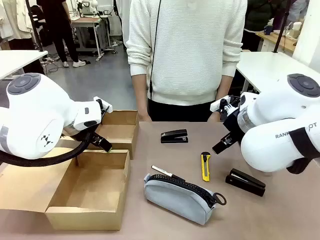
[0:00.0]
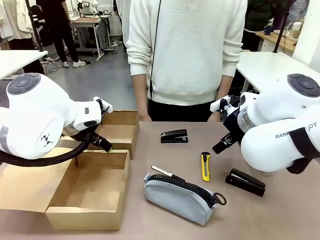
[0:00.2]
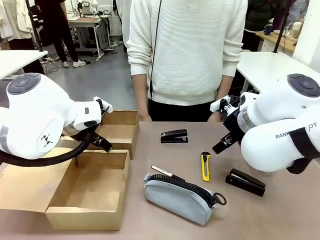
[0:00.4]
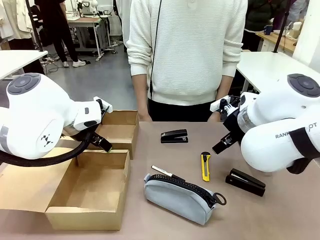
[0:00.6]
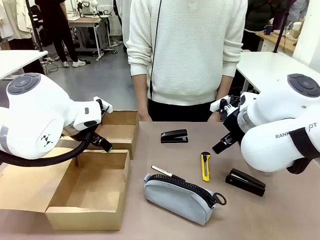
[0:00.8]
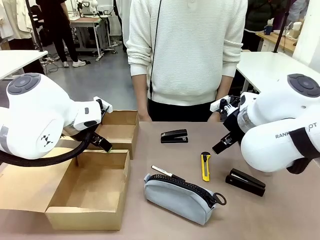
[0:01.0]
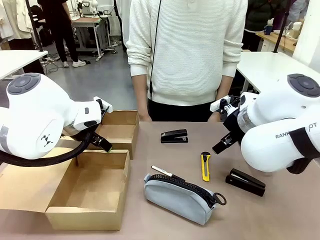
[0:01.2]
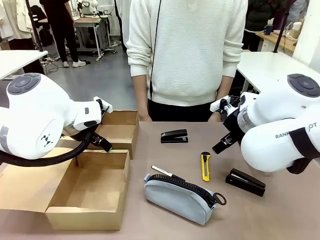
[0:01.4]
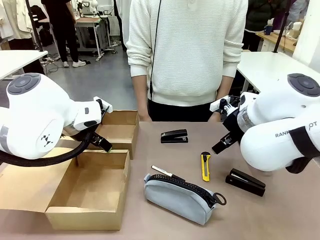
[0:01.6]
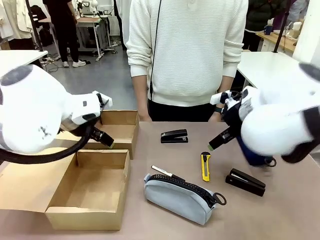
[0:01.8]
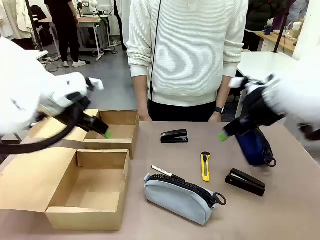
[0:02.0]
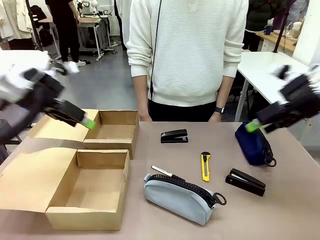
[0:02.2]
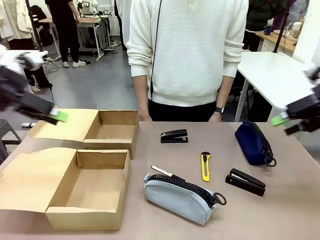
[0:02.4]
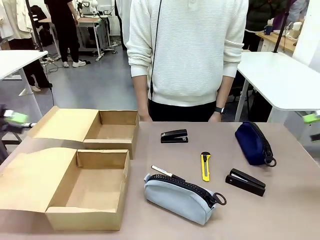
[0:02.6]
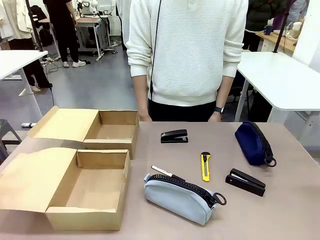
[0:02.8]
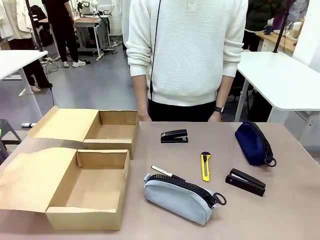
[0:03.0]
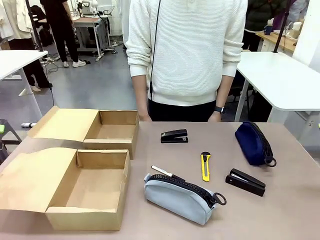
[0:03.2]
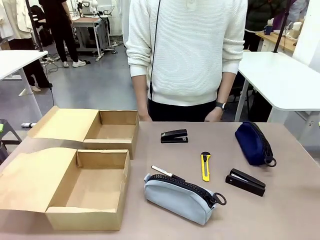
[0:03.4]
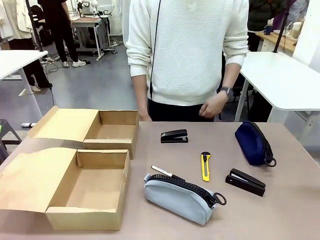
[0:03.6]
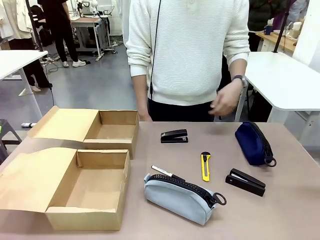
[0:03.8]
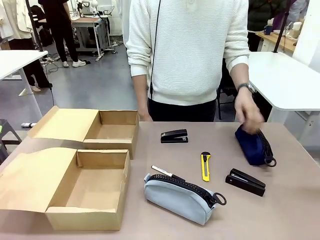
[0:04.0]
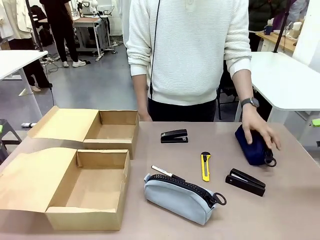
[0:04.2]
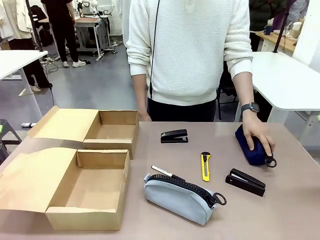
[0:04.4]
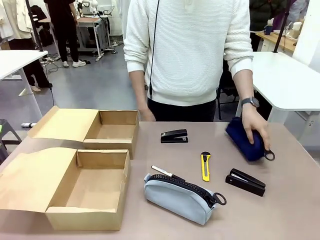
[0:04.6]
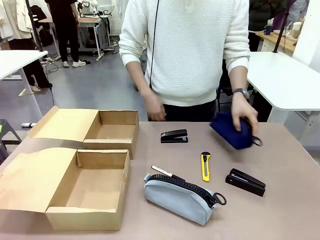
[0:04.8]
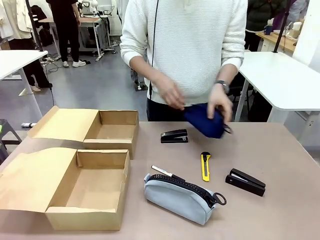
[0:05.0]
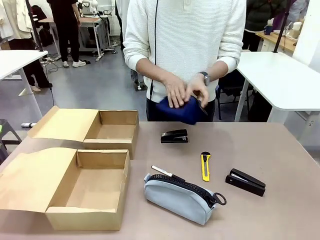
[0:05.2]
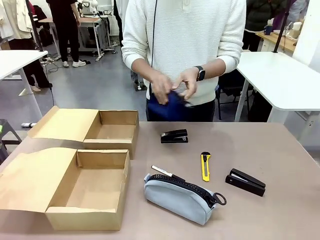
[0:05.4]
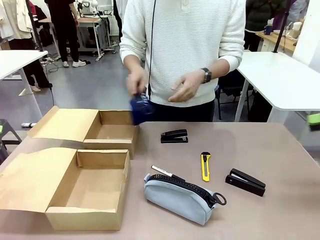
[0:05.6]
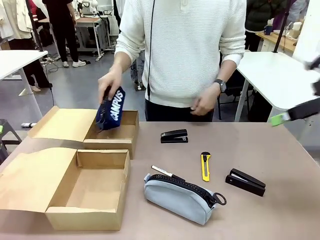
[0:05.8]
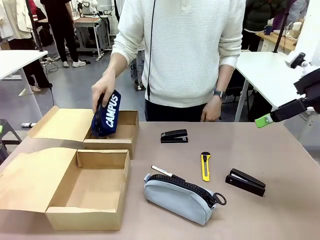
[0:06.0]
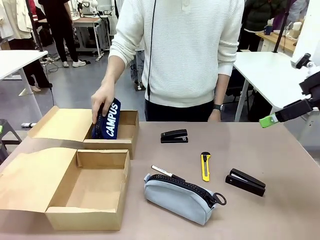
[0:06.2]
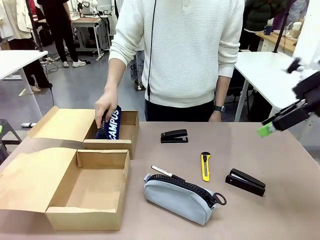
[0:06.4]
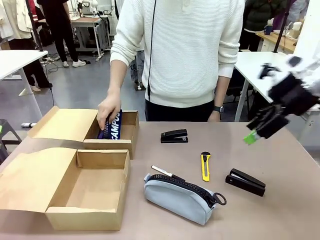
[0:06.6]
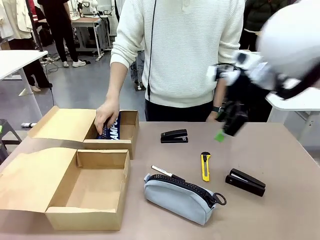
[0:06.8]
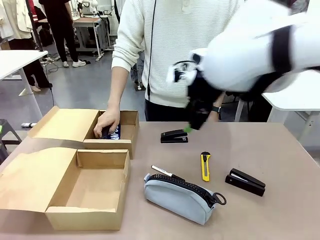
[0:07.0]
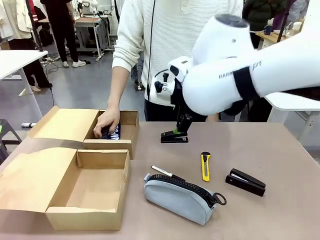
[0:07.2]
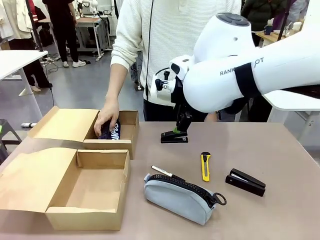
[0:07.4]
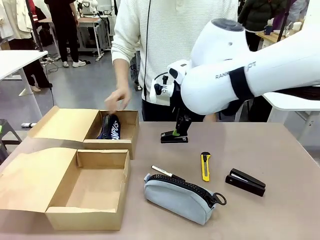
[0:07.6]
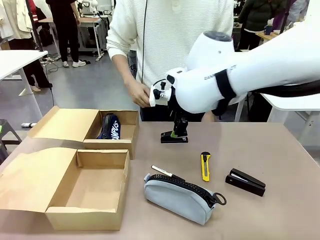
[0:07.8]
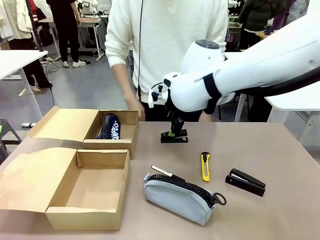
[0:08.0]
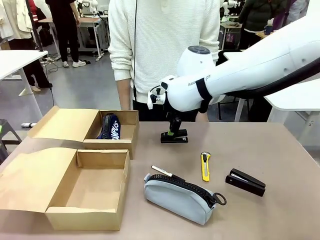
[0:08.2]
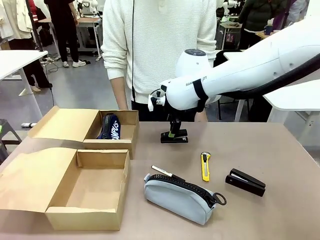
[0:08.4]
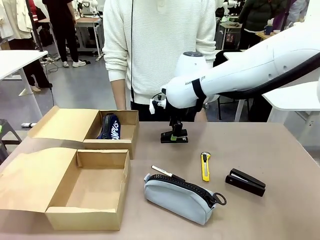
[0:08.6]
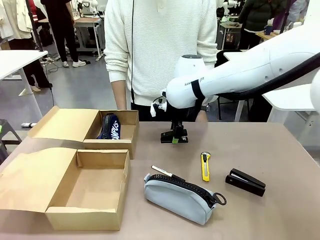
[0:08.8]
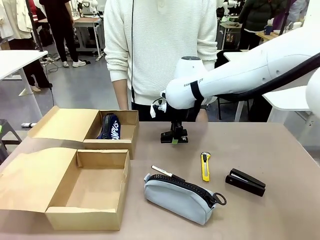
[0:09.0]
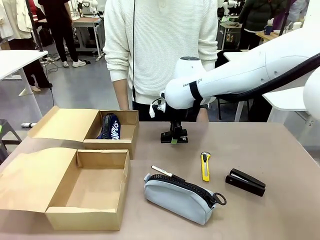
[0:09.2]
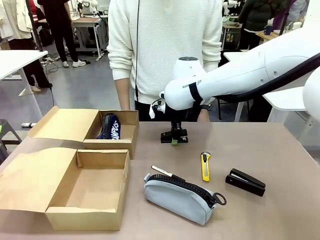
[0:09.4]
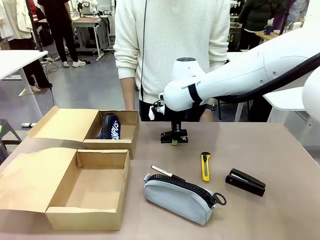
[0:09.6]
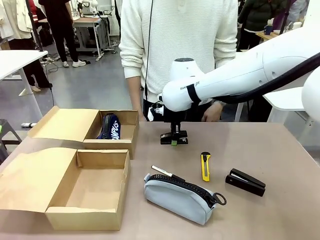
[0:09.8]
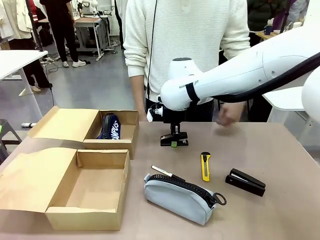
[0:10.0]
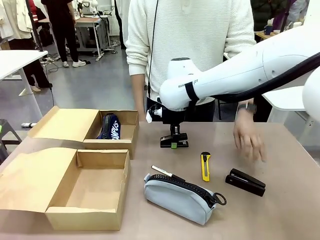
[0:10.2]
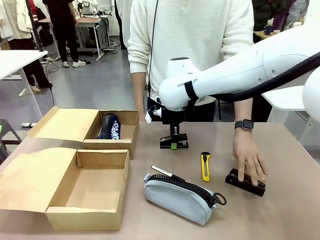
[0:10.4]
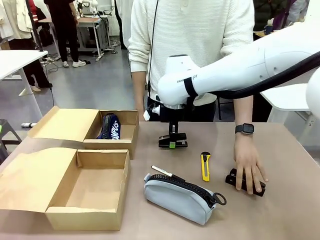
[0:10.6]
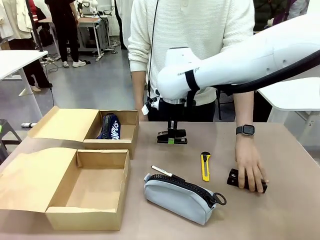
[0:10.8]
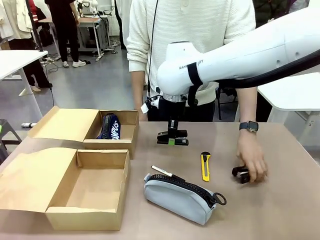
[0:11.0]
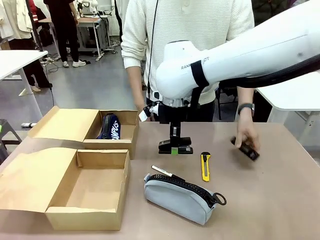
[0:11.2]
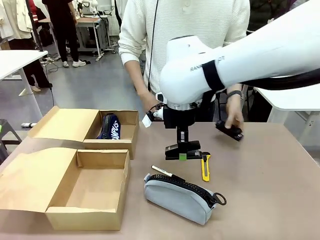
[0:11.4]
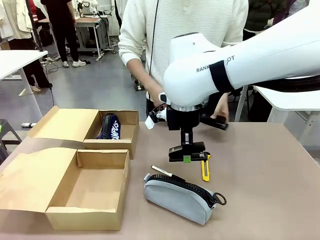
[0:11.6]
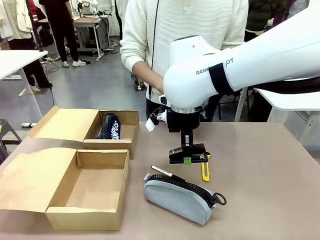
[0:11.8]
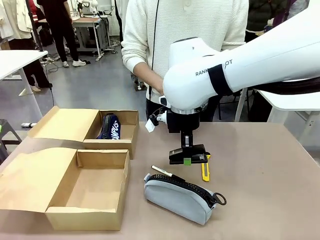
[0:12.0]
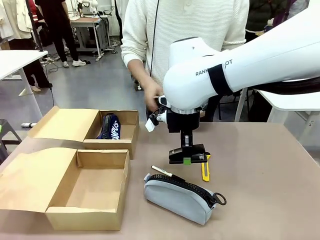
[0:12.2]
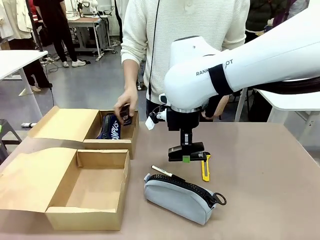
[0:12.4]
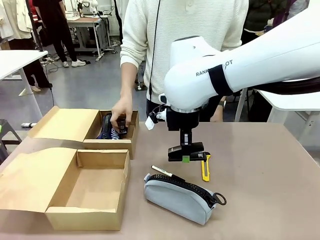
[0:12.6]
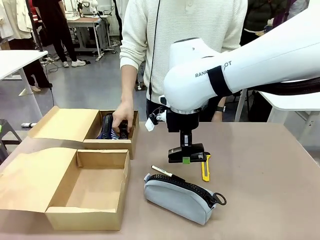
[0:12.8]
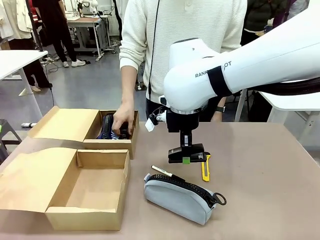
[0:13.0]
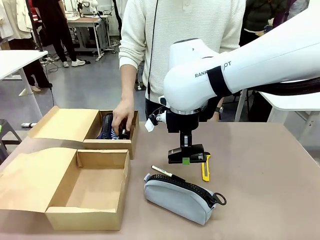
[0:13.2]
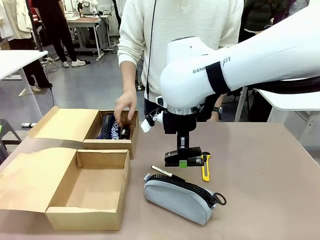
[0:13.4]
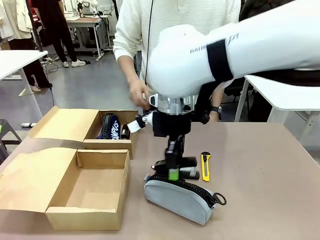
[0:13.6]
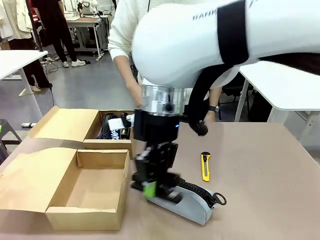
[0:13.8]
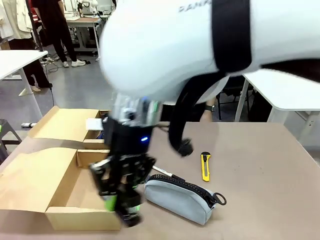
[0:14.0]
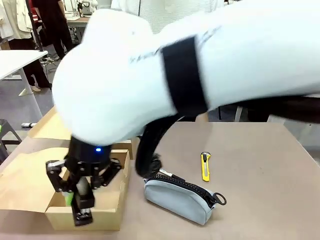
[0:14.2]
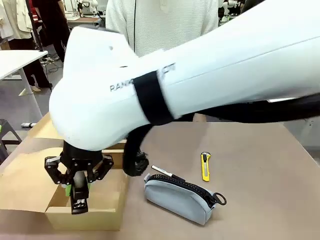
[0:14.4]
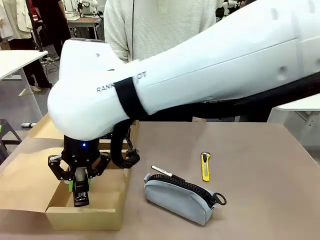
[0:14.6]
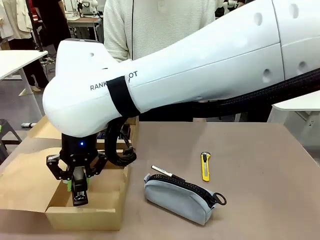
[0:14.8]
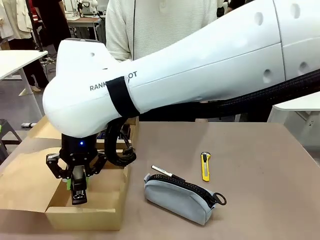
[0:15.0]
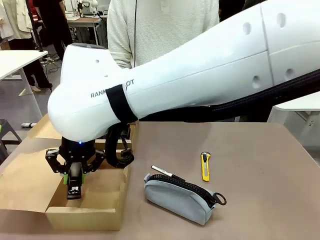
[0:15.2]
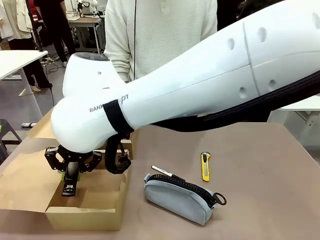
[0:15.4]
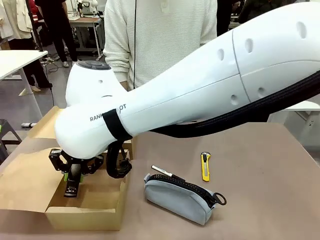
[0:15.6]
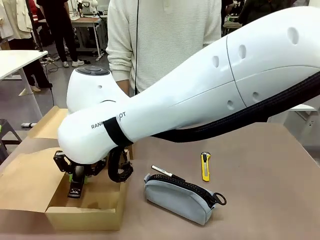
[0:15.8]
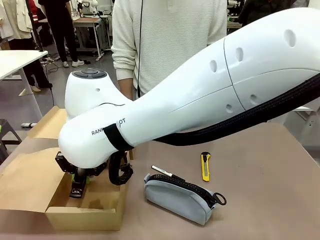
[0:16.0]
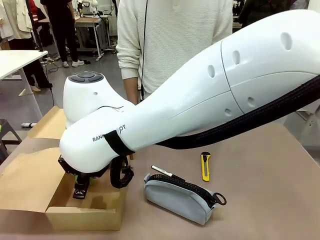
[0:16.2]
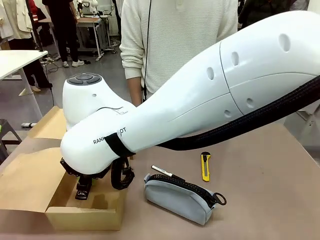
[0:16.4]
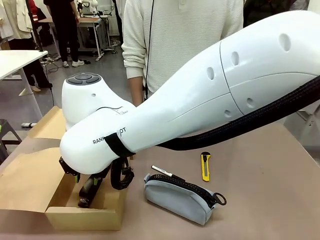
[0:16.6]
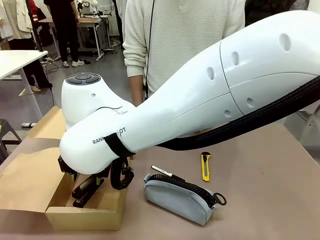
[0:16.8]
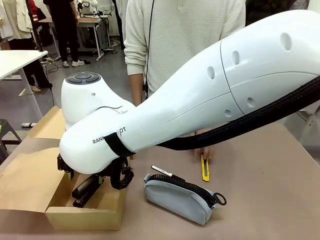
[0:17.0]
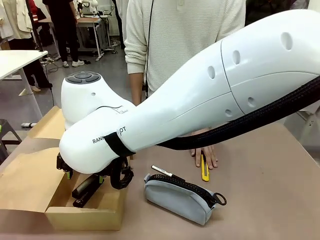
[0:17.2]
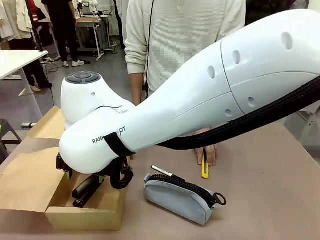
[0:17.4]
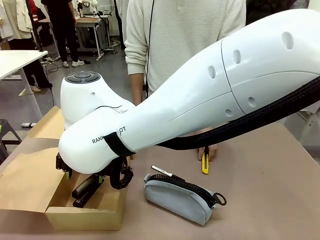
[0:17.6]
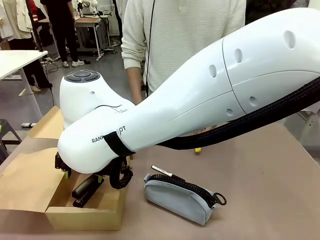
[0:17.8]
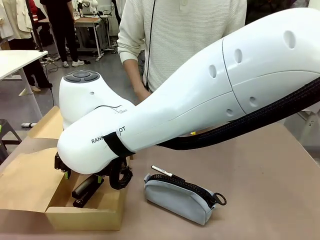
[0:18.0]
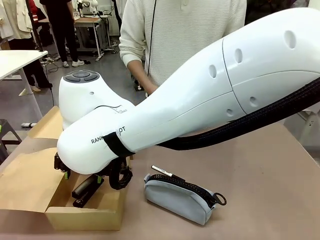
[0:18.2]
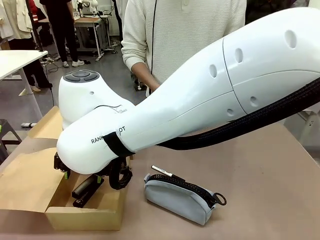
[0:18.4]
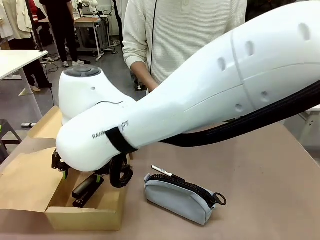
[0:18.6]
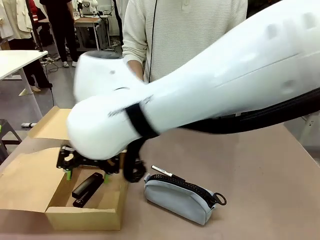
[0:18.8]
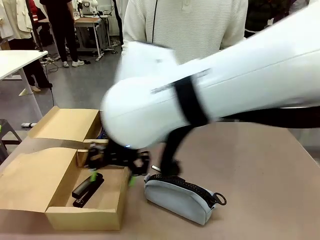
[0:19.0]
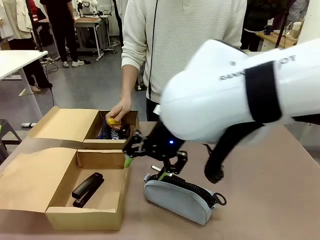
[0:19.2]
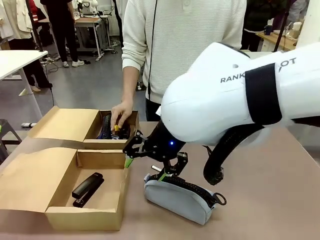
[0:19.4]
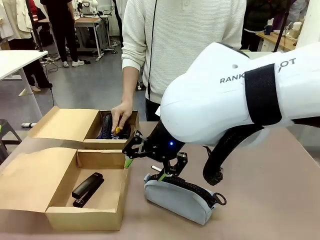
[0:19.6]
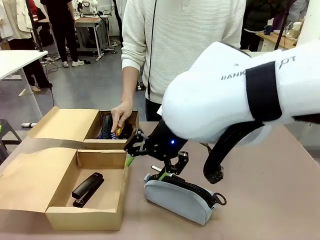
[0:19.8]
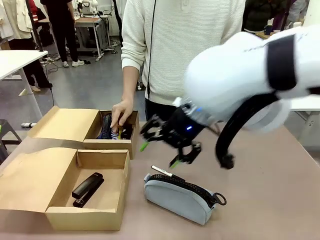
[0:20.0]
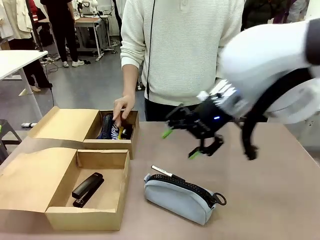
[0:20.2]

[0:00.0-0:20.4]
Task: Place items inside the box.
Robot: Pick up a Pencil pouch or Stapler and place it inside the Mailer Box closest to the robot.
Person: Pick up an object on the table and put it in the box.
